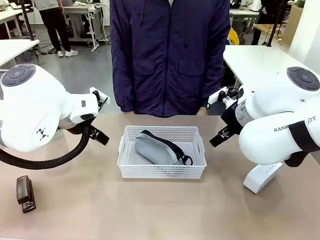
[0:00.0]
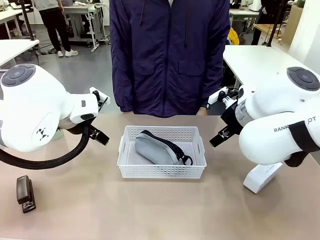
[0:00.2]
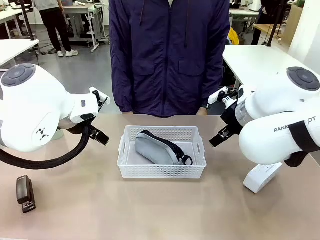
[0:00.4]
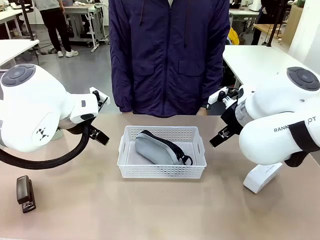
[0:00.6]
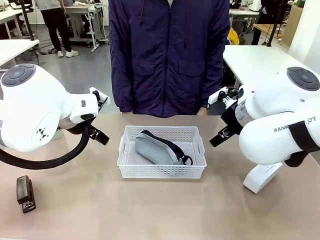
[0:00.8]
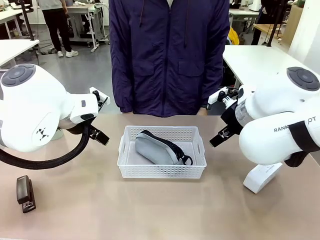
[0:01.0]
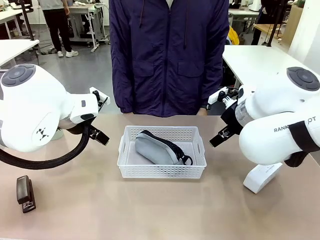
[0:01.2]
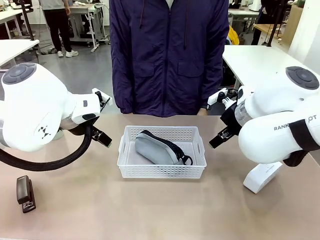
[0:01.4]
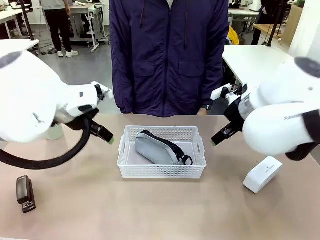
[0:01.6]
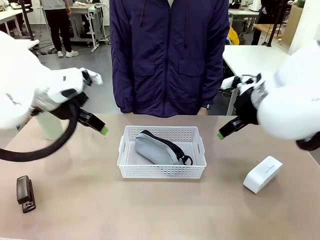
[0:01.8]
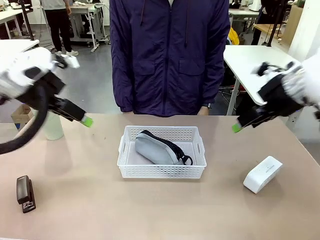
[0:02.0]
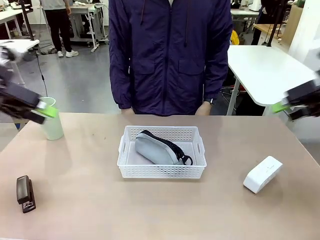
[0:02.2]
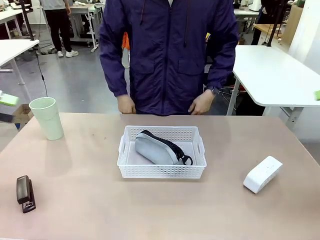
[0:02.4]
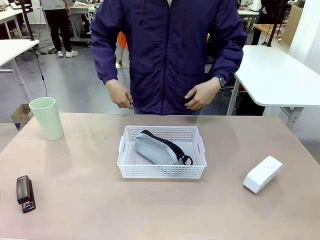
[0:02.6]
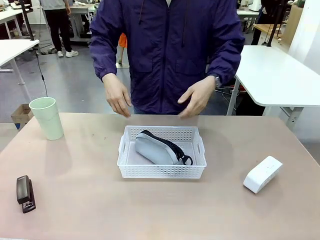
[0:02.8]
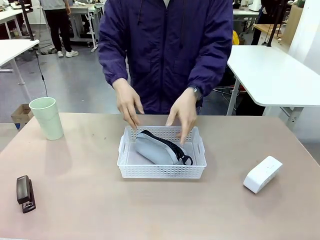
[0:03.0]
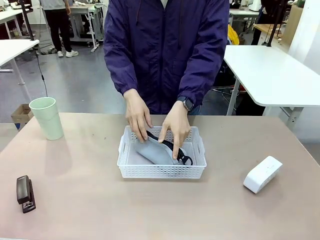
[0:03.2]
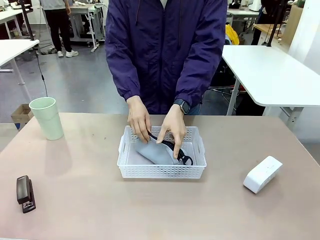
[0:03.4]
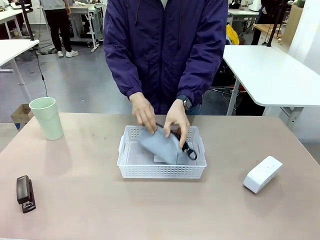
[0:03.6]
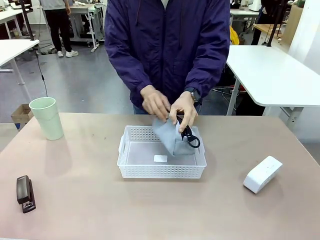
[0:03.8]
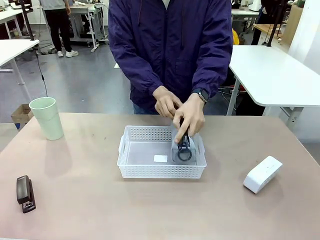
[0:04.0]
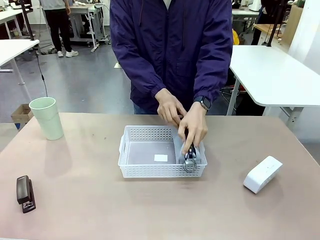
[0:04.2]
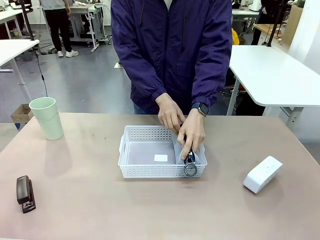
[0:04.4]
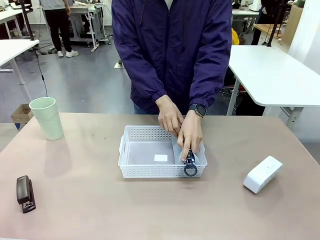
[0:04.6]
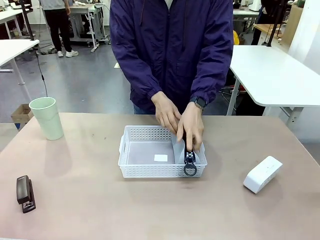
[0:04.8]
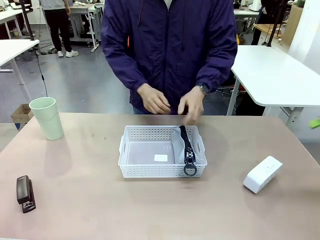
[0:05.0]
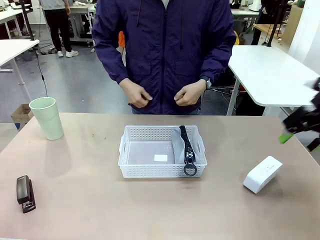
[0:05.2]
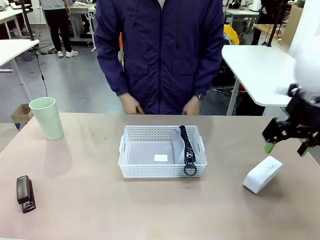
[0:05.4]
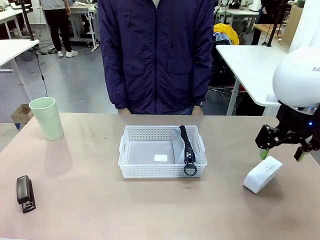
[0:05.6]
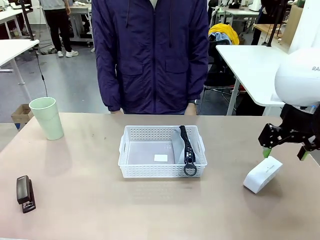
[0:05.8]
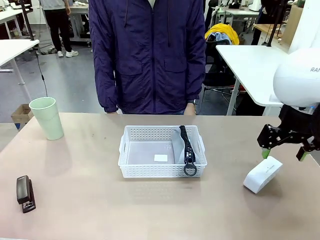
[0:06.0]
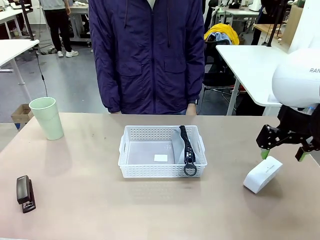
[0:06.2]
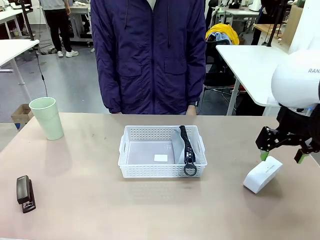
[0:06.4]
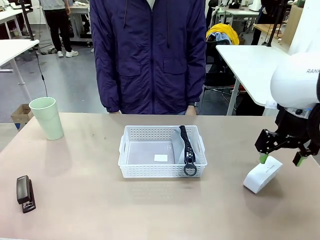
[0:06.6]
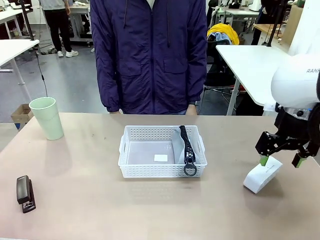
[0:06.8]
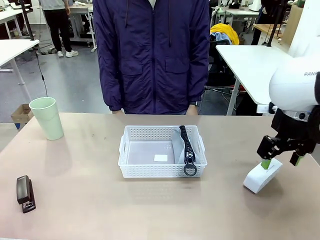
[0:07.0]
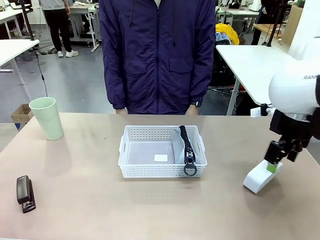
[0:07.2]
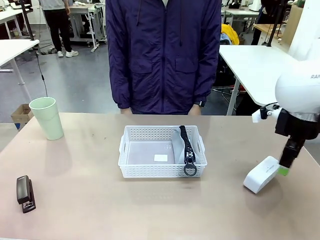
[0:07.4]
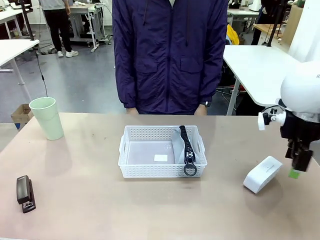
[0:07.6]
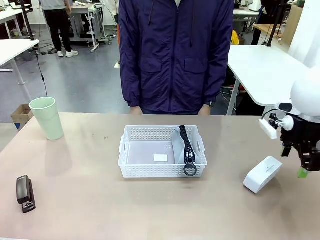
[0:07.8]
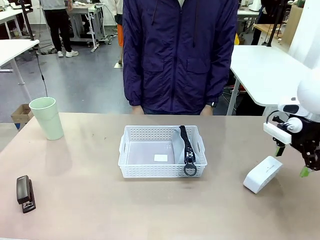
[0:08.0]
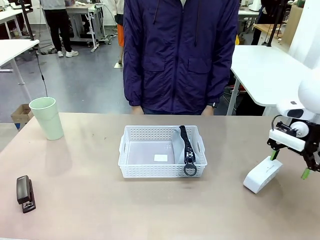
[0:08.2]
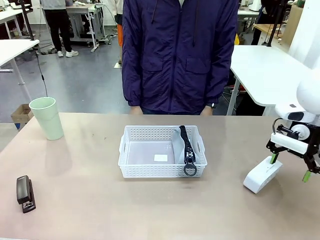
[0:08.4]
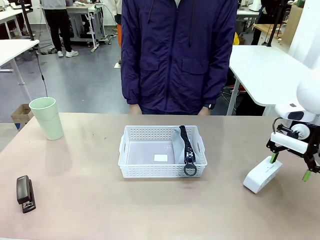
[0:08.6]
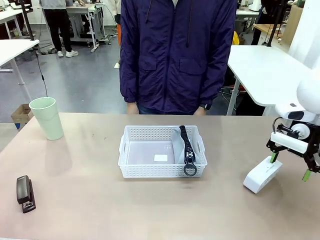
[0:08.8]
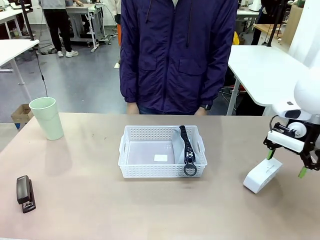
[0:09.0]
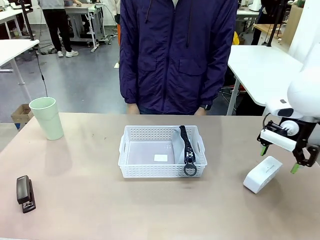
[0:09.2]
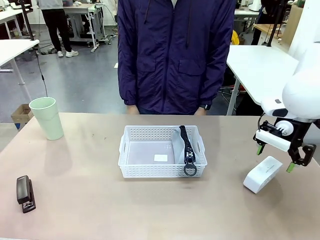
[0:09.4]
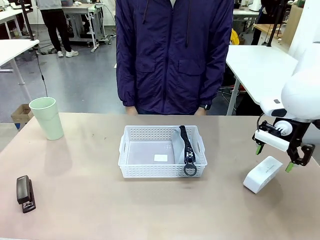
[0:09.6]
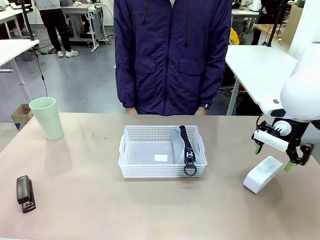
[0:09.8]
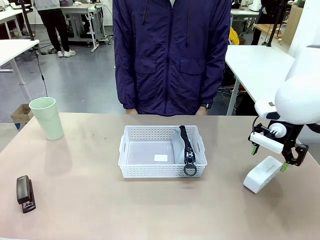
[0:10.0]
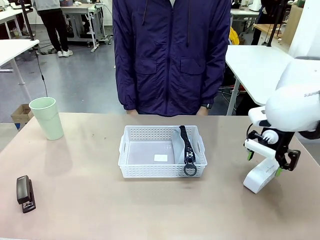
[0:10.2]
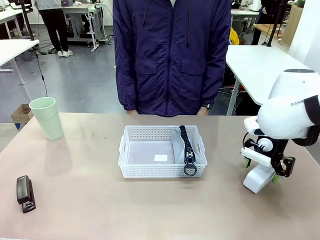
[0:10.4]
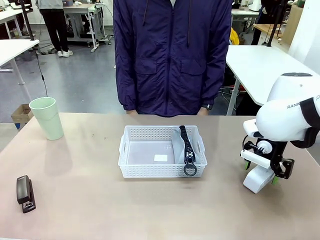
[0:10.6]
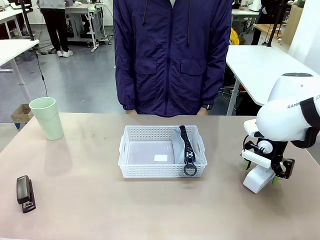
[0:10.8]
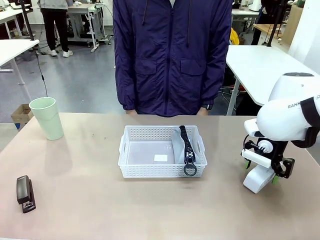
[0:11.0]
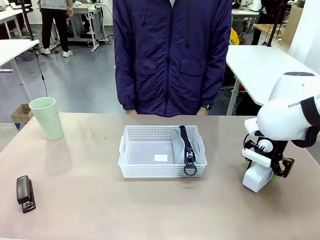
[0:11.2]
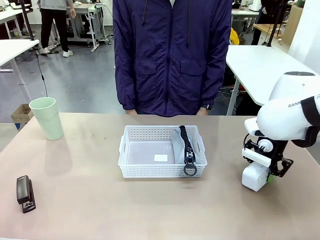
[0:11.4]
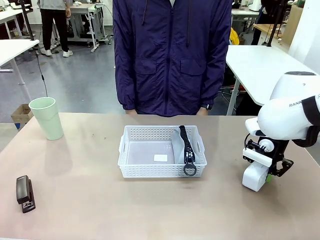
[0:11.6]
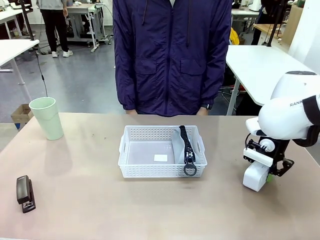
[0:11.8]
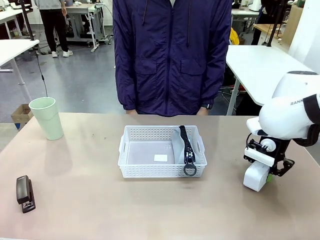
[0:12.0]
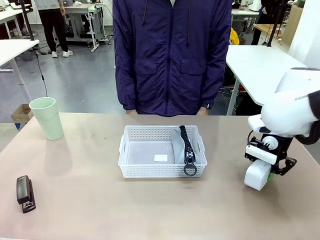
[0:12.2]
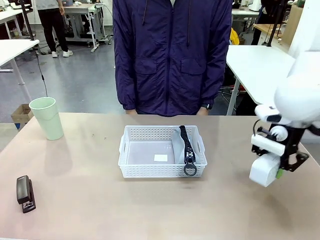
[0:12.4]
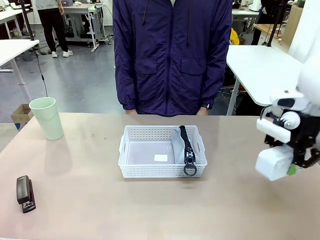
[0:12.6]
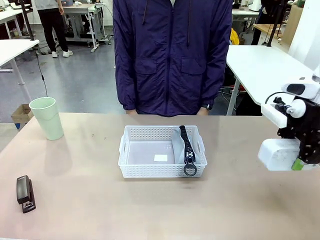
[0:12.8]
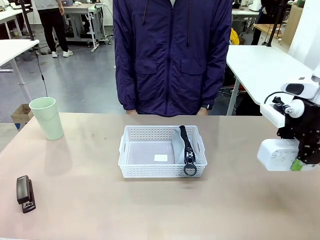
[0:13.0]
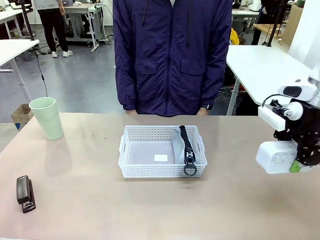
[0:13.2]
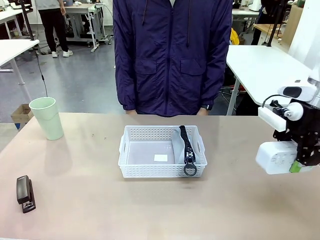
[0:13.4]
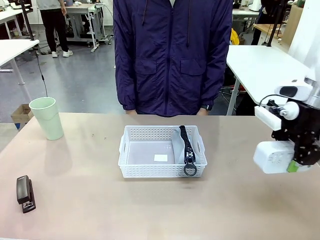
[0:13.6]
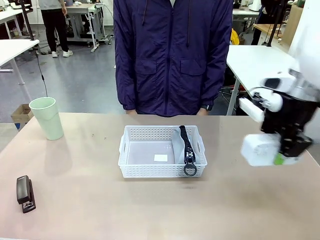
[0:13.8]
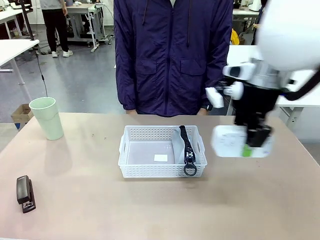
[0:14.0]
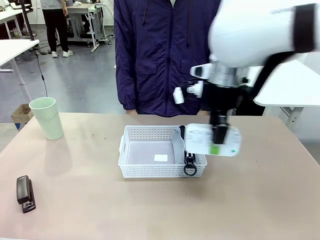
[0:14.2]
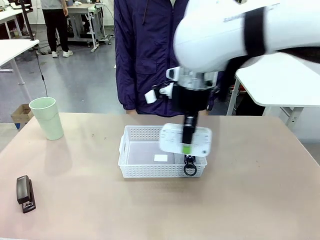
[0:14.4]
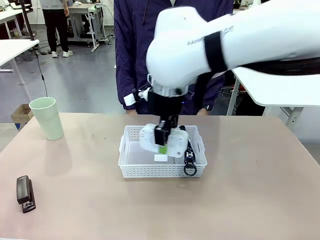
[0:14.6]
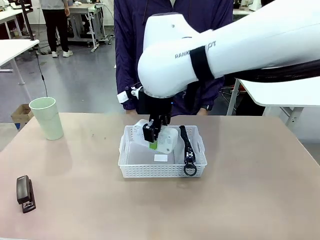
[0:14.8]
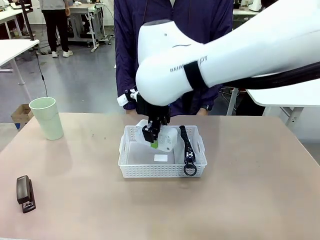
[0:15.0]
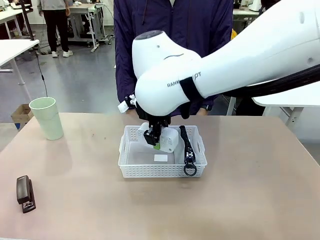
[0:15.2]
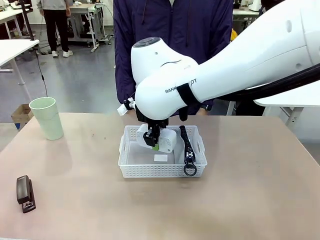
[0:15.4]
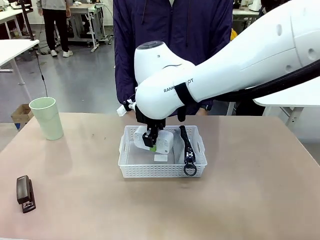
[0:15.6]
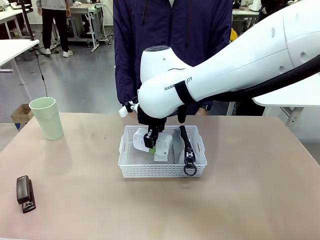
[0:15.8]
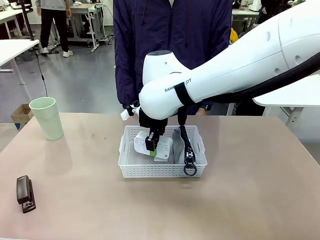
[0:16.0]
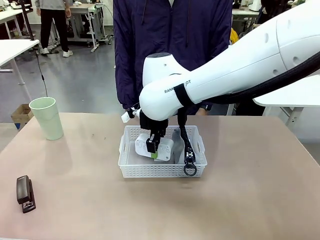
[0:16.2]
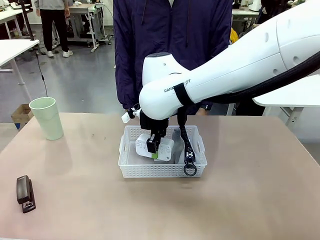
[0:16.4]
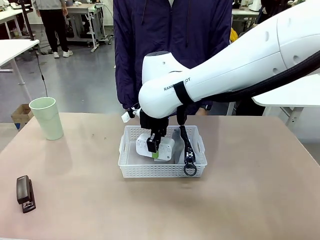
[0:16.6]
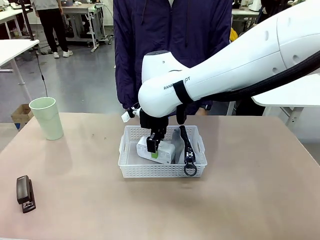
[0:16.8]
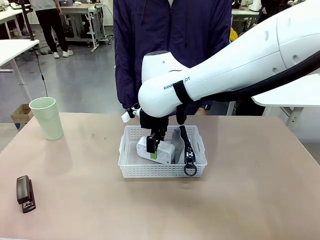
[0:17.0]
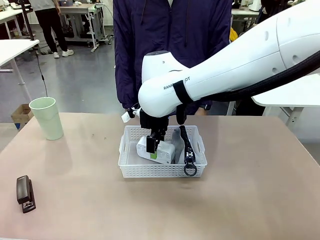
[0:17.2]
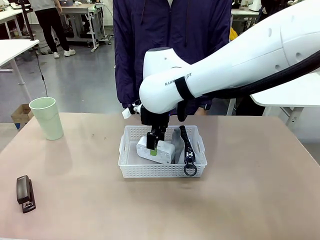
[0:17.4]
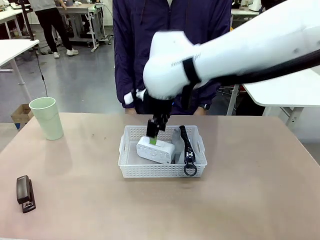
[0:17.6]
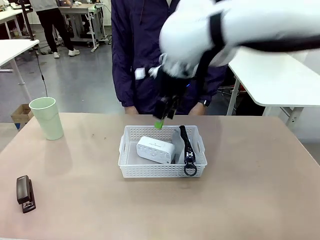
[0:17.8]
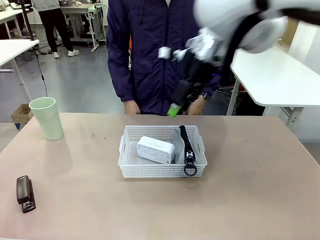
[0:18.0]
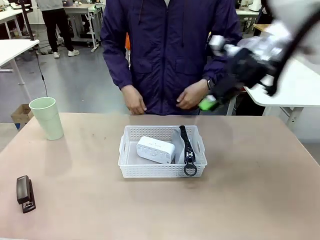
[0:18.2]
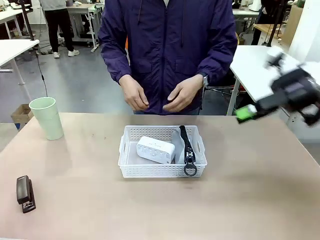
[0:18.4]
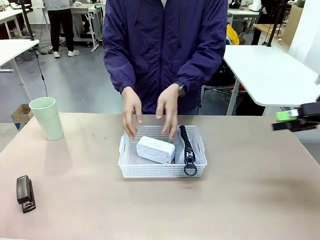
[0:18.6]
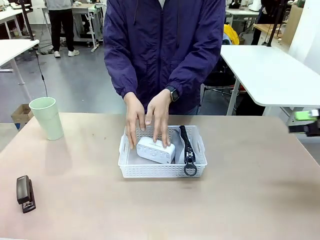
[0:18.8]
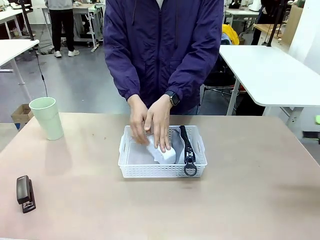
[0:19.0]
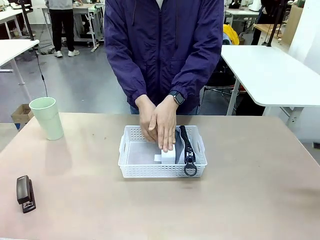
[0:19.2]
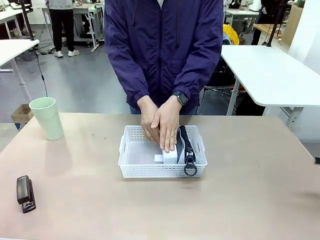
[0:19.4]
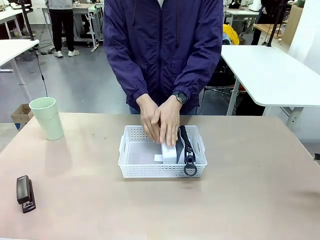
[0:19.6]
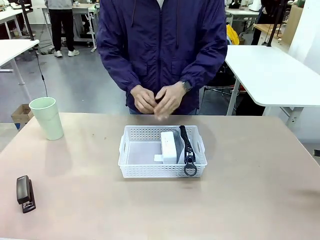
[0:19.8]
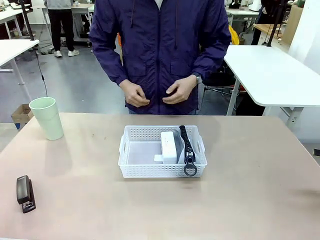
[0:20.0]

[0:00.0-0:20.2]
Task: Efficiently arrange items inside the basket to fit them all.
Robot: Pick up the Digital clock and place it inside the Organizing basket.
Person: Repositions the pencil case. Repositions the digital clock.
